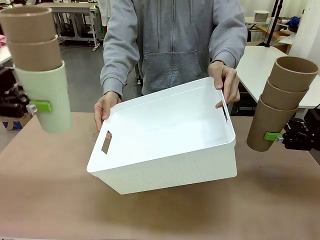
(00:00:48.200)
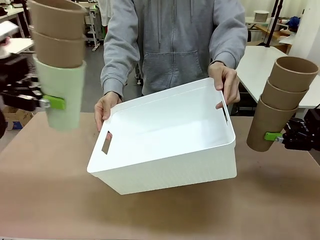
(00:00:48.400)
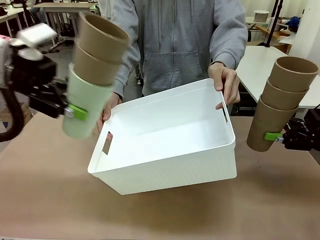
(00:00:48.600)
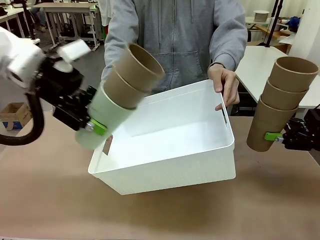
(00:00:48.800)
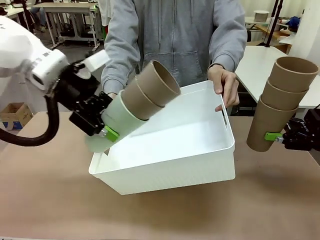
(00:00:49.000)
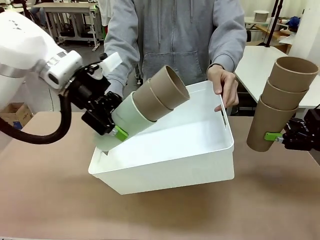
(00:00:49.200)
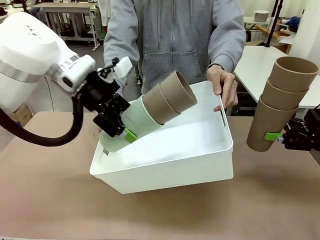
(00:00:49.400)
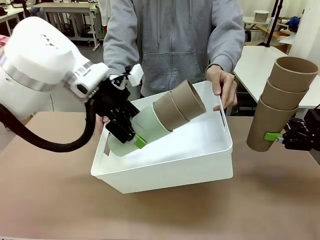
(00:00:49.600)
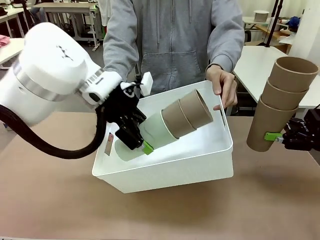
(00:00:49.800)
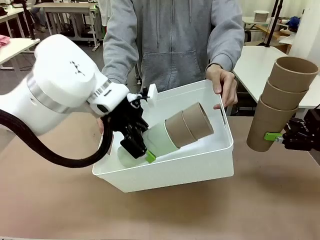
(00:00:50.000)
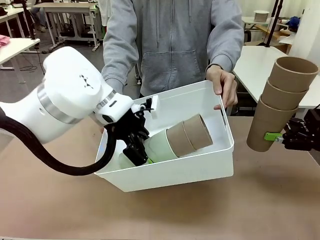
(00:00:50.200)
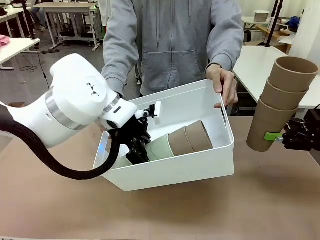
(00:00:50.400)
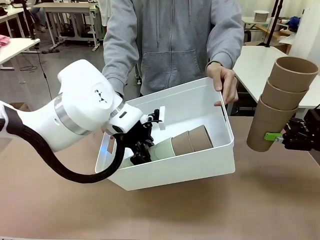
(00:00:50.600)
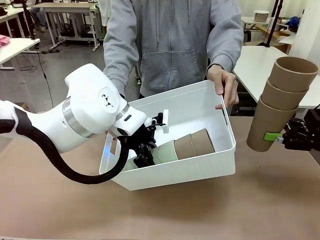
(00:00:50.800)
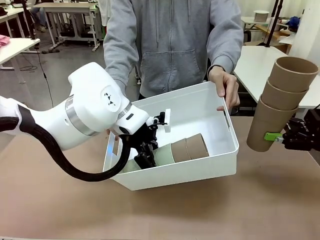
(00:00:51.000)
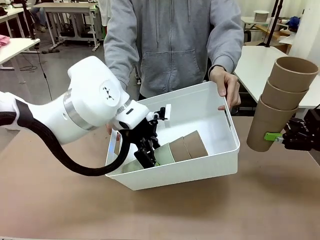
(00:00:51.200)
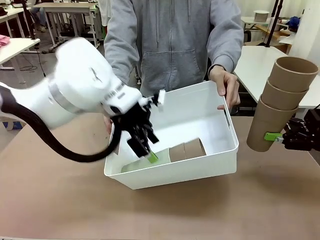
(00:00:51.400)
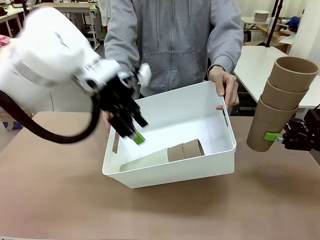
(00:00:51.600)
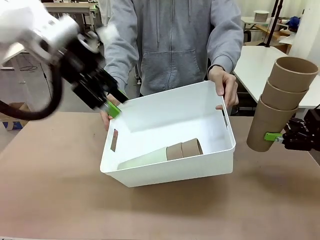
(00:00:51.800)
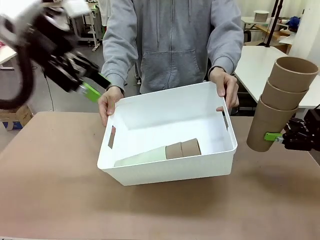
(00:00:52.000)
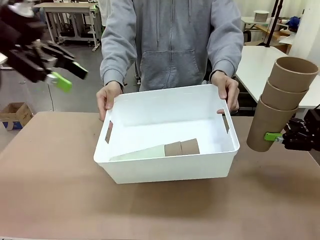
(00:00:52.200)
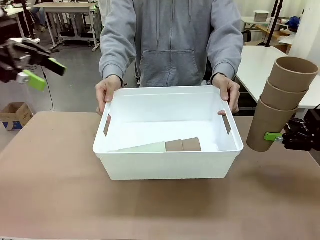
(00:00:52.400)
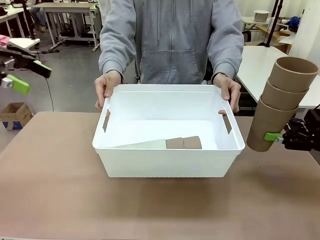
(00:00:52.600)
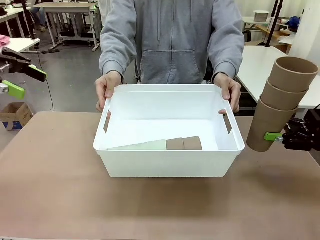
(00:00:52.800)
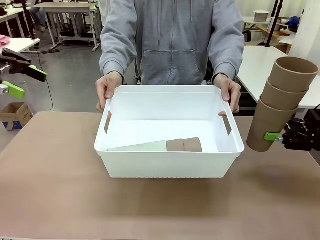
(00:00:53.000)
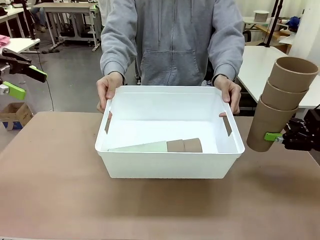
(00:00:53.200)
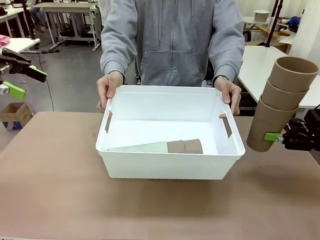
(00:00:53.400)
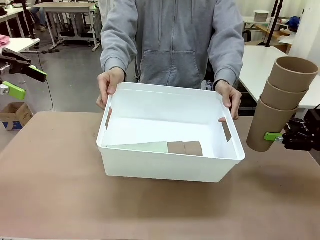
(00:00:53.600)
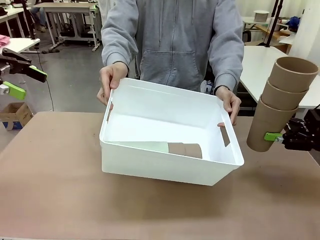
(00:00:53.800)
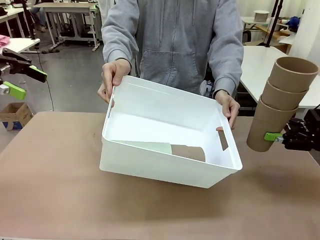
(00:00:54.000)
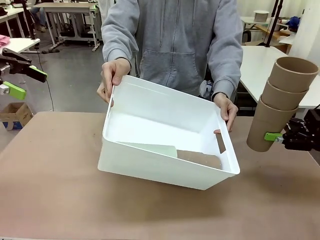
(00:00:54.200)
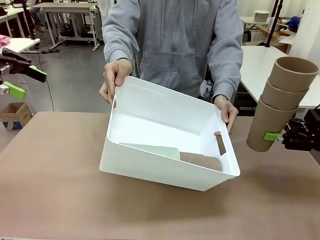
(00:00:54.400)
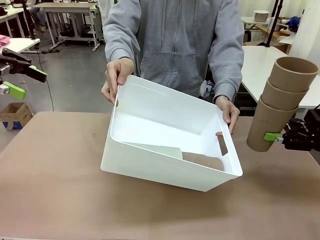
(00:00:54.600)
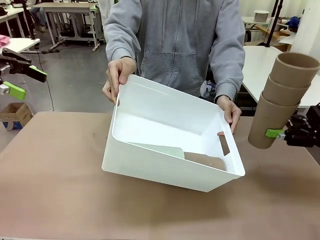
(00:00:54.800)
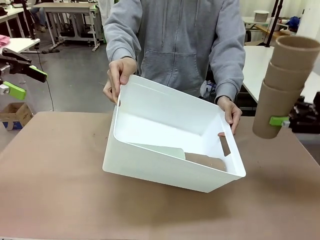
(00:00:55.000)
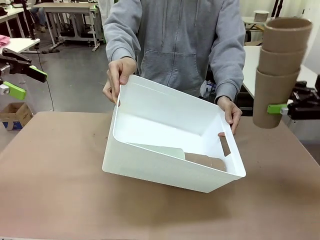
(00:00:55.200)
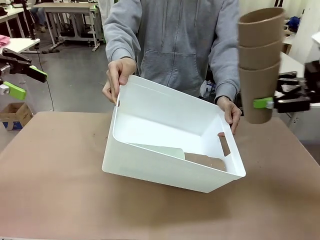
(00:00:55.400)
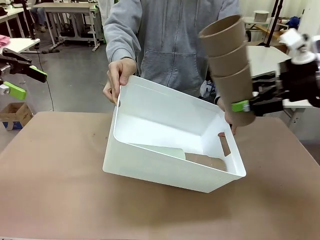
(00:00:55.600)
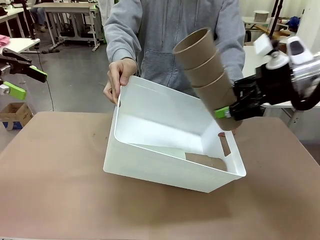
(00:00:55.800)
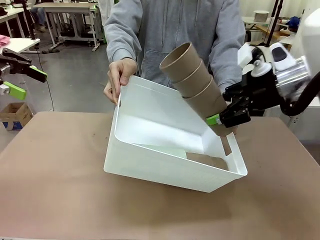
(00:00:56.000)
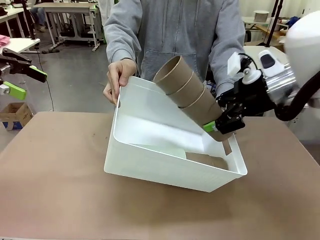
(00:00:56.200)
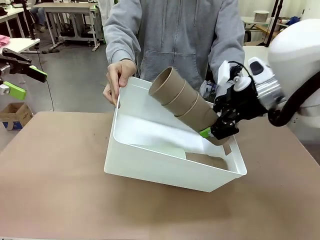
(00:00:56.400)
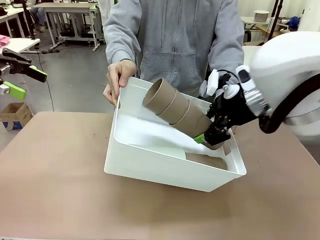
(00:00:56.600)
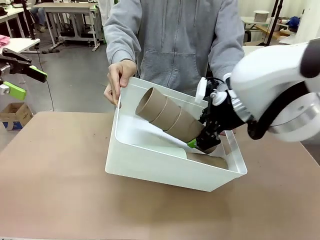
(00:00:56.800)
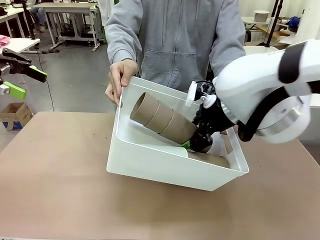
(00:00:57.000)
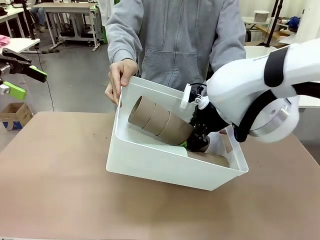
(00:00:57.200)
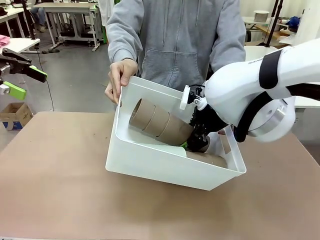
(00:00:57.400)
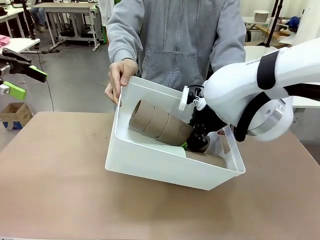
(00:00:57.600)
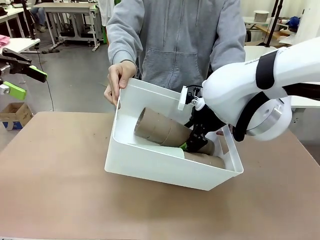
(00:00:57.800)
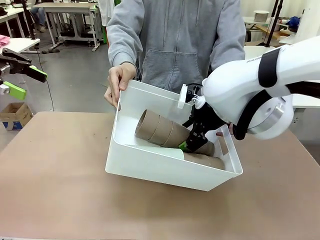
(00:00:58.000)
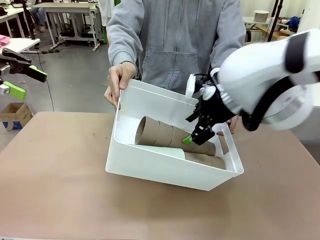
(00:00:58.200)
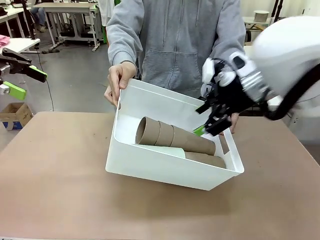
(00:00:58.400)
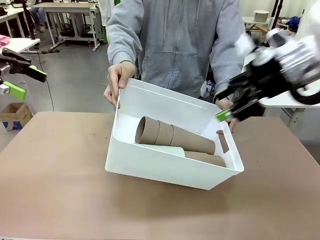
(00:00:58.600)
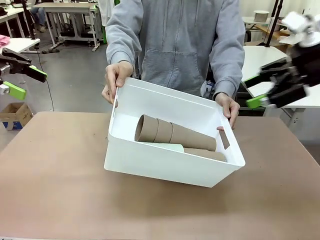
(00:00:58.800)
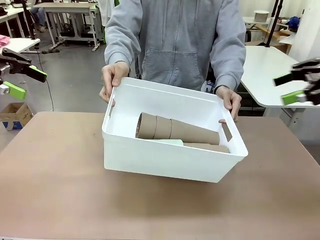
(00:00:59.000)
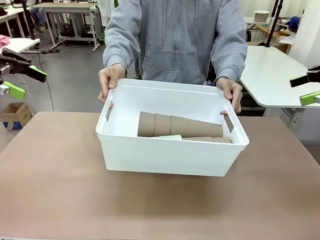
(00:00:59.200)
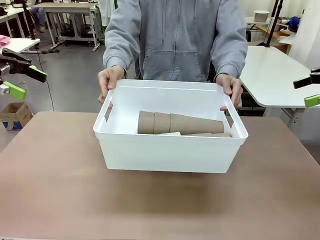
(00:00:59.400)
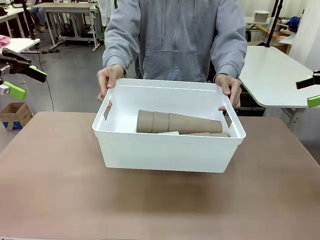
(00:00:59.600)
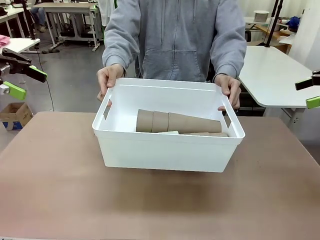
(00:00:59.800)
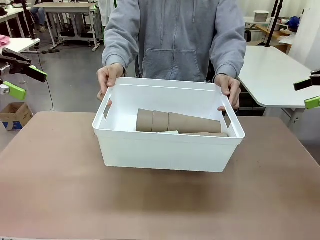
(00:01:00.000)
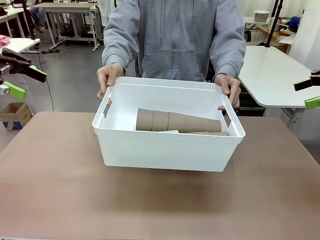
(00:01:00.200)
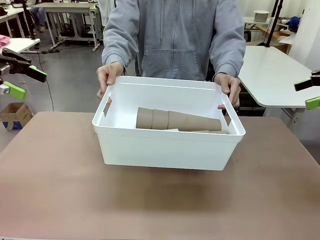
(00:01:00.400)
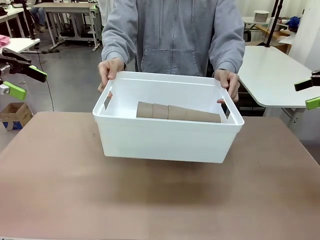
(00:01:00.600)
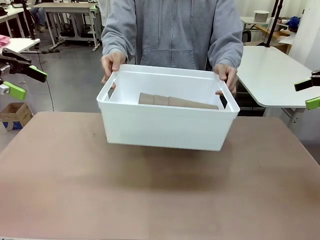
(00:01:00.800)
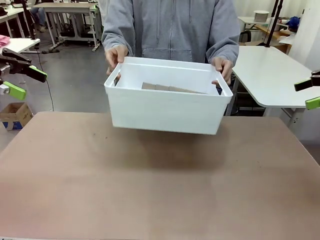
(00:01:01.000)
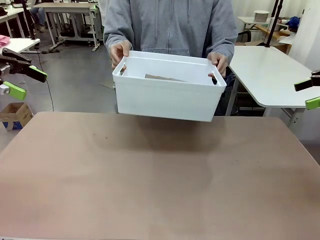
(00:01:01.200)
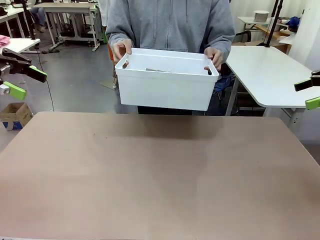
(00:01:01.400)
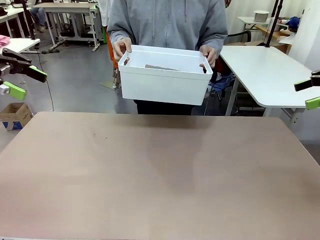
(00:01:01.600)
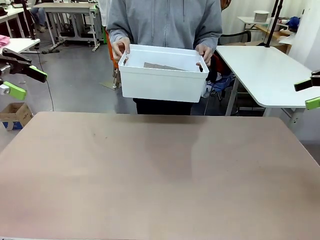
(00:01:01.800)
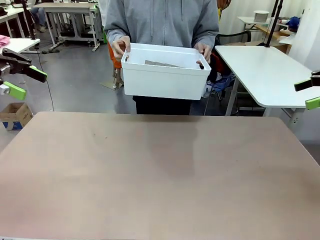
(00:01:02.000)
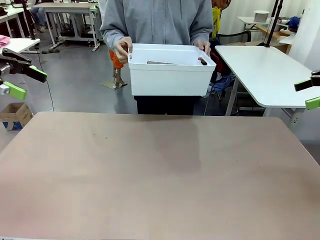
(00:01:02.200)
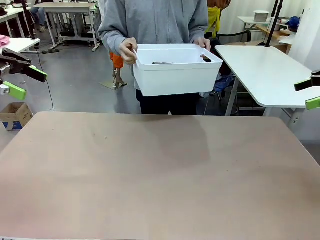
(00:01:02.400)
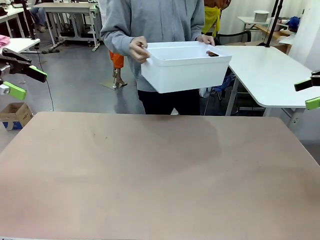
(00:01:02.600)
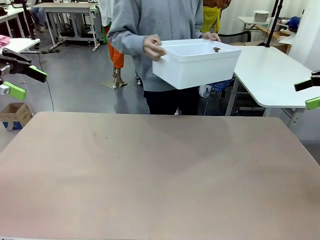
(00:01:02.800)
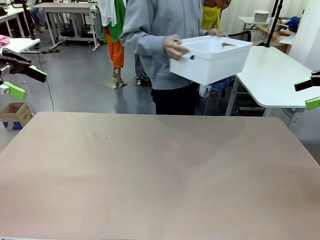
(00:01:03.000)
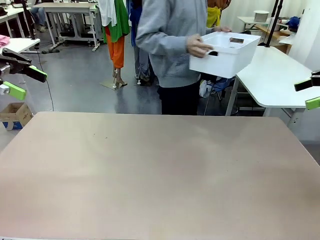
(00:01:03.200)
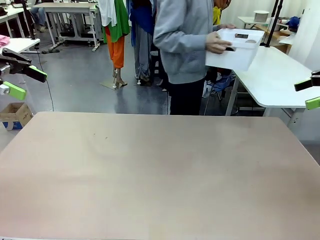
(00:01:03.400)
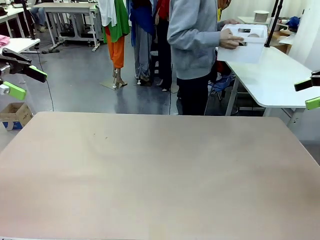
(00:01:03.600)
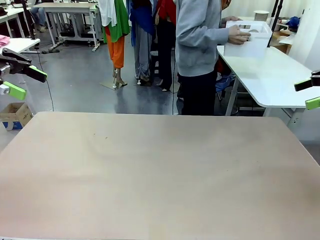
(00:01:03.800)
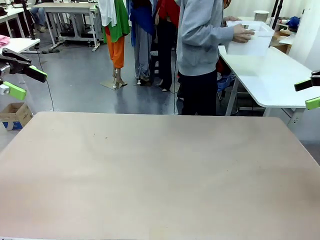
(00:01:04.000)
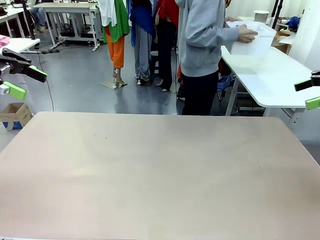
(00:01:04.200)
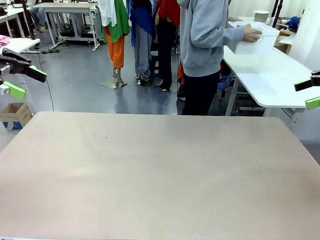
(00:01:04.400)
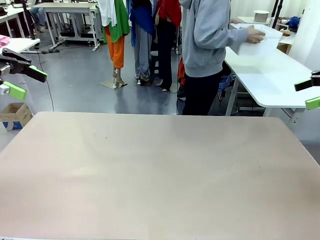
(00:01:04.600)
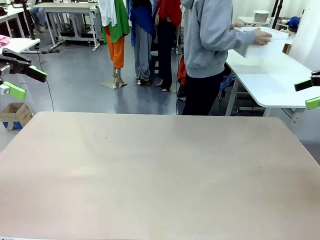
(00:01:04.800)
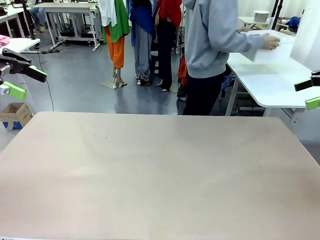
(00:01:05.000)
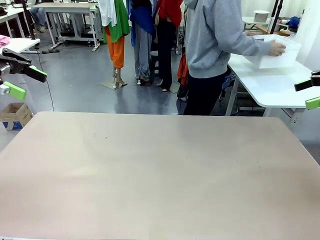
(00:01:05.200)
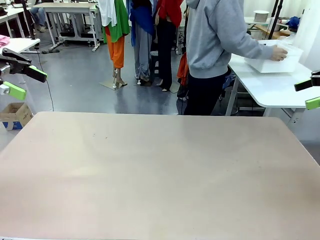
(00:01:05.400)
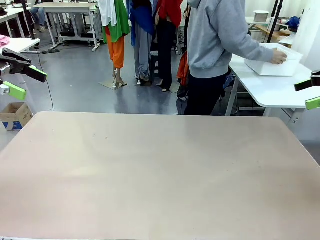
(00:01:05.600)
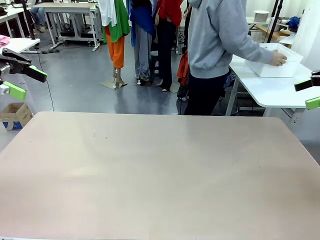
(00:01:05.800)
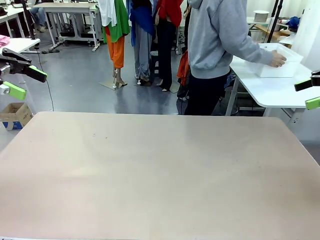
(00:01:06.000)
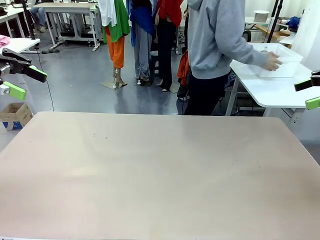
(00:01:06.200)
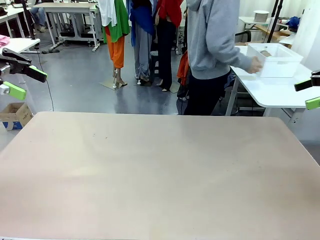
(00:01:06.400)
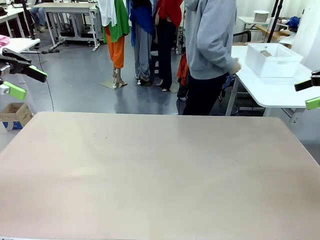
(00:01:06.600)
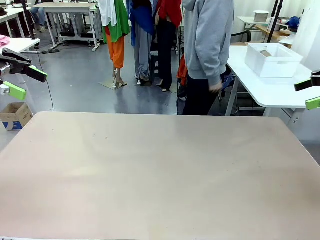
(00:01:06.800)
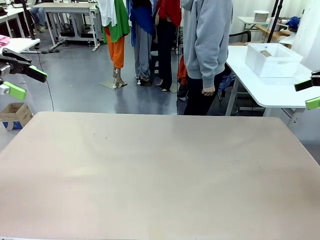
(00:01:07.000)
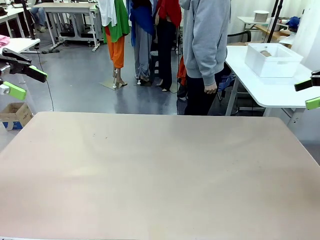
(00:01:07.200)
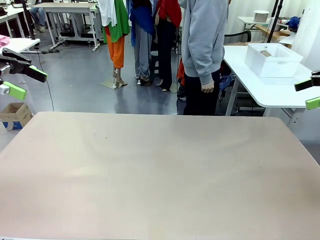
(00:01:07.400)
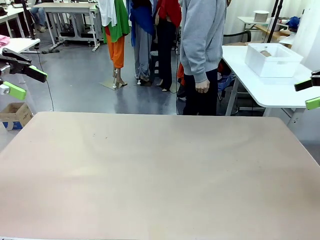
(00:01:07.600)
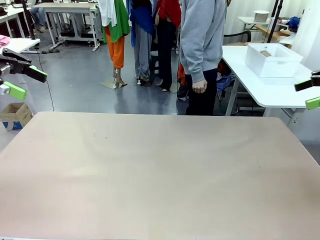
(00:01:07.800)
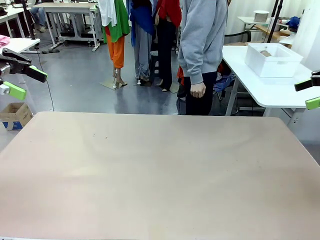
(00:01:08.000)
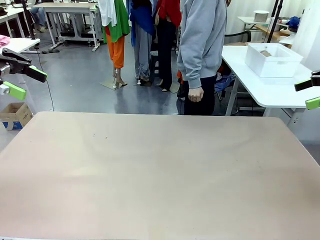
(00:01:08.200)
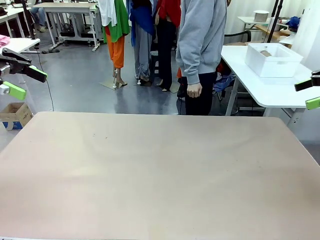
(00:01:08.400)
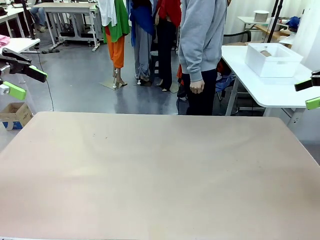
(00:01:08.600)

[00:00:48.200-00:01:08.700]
Task: Stack the cups and store them in the basket.
Robot: Place the stack of Reusable plastic cups into the Pantry Basket.
Person: Place the basket containing the cups in the middle of the Human Table.
